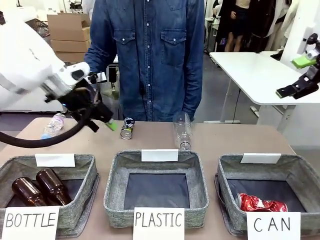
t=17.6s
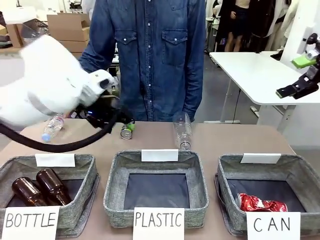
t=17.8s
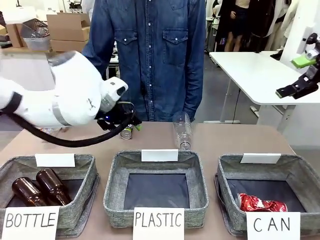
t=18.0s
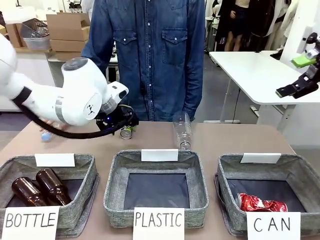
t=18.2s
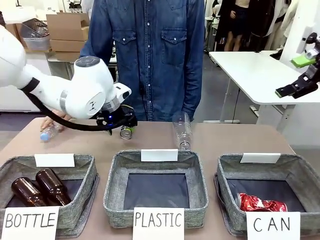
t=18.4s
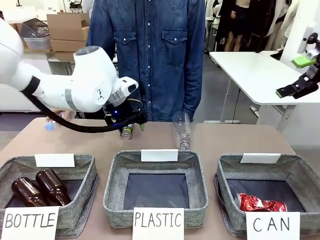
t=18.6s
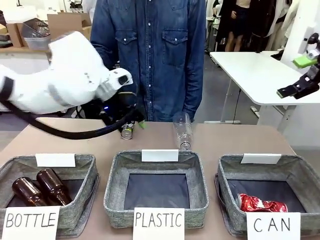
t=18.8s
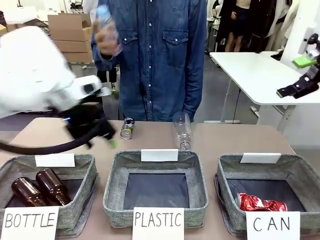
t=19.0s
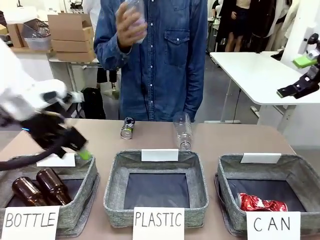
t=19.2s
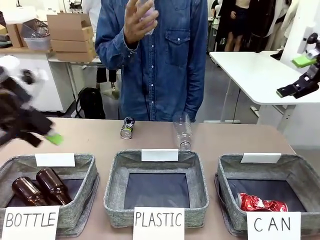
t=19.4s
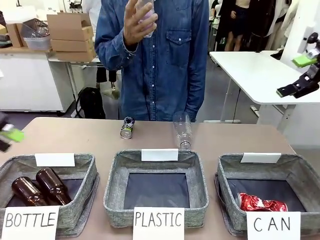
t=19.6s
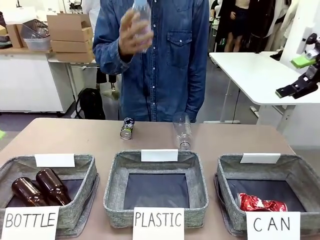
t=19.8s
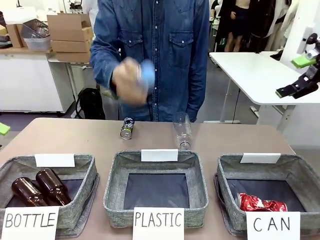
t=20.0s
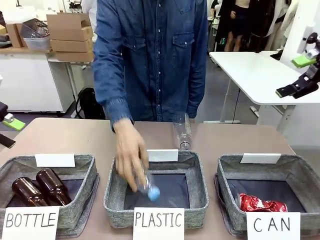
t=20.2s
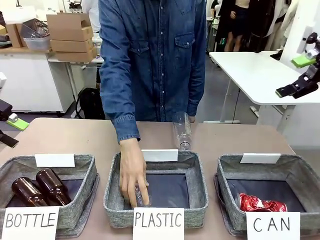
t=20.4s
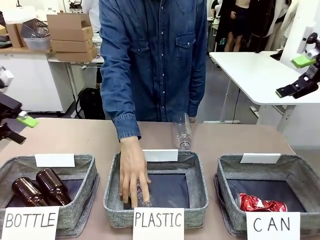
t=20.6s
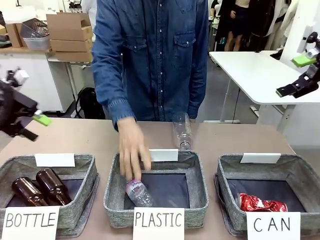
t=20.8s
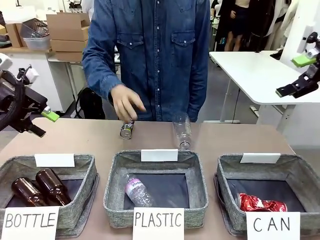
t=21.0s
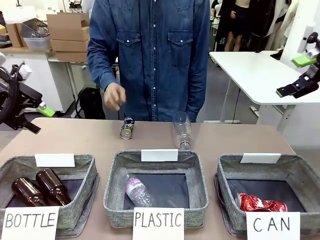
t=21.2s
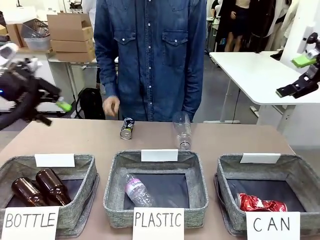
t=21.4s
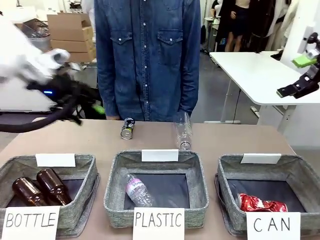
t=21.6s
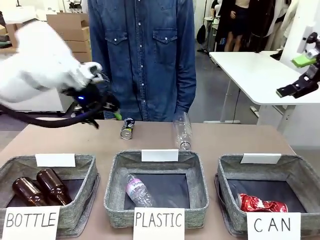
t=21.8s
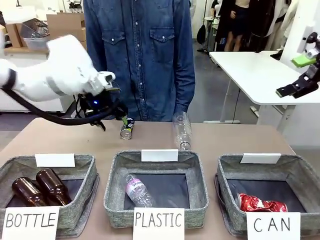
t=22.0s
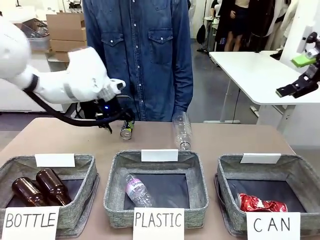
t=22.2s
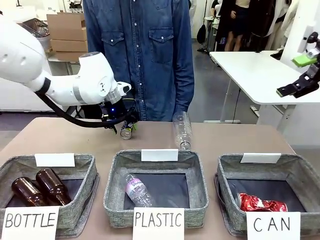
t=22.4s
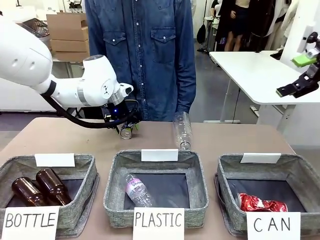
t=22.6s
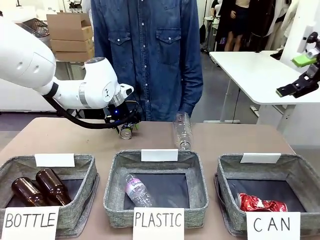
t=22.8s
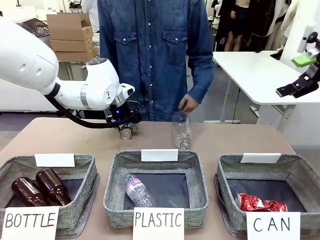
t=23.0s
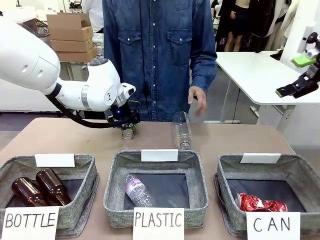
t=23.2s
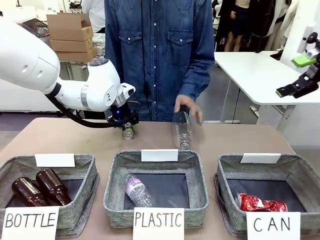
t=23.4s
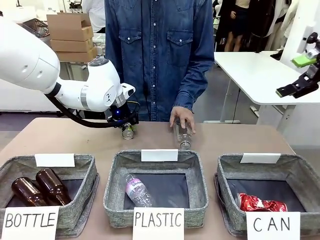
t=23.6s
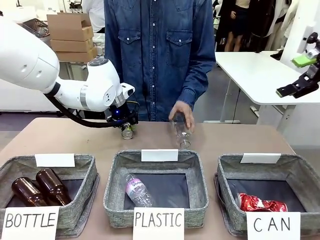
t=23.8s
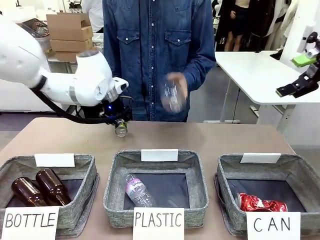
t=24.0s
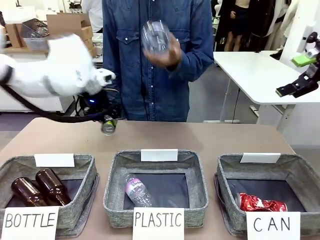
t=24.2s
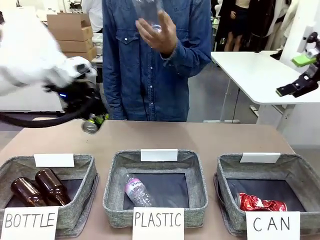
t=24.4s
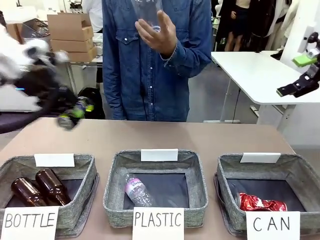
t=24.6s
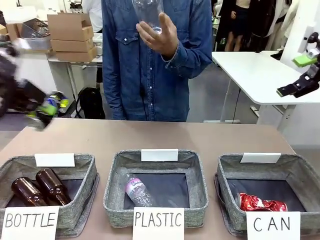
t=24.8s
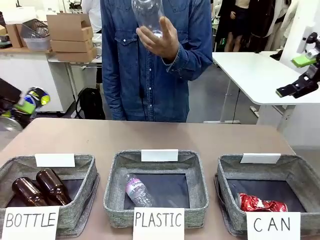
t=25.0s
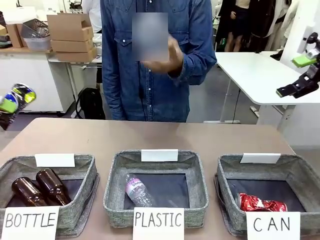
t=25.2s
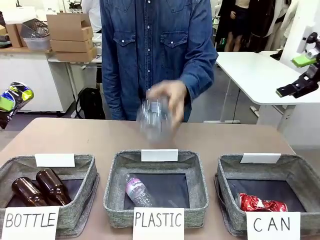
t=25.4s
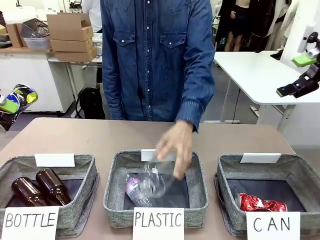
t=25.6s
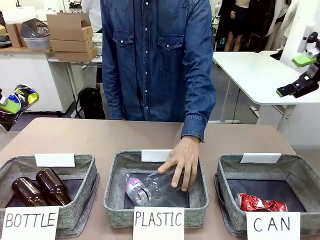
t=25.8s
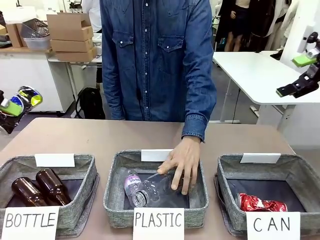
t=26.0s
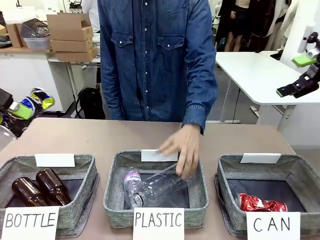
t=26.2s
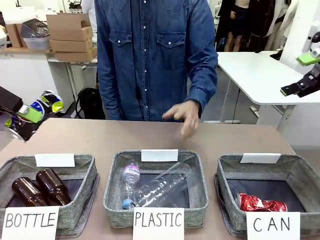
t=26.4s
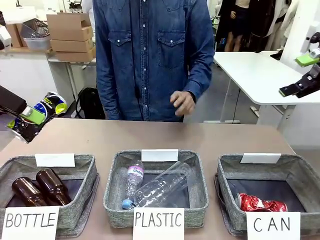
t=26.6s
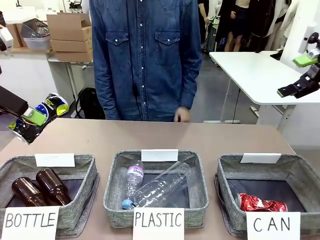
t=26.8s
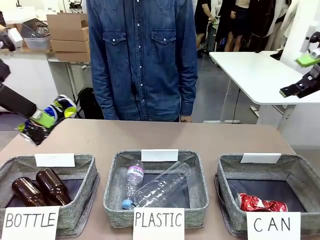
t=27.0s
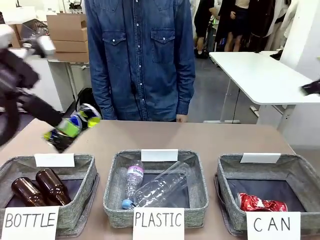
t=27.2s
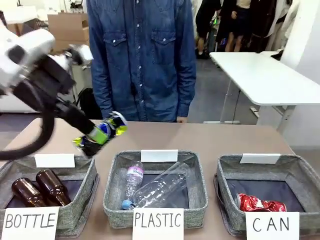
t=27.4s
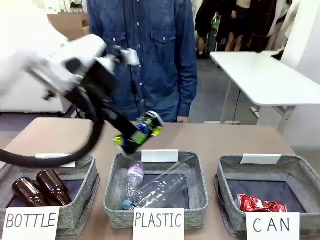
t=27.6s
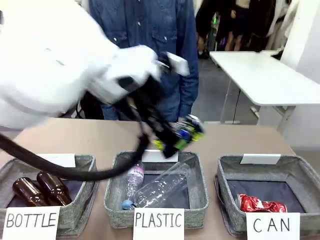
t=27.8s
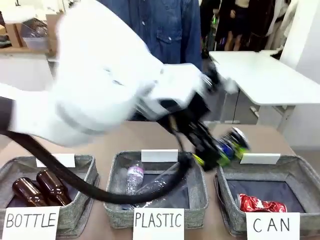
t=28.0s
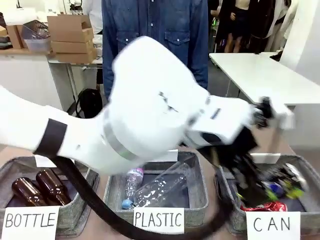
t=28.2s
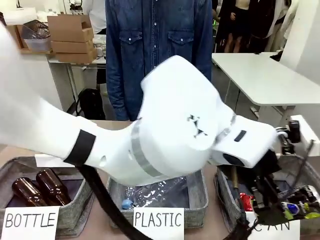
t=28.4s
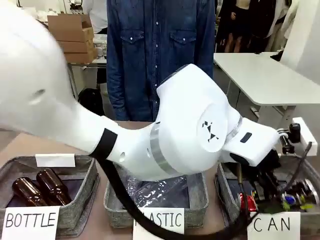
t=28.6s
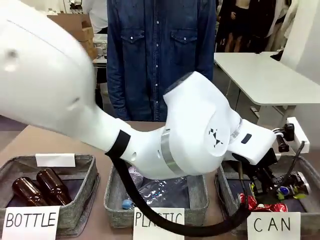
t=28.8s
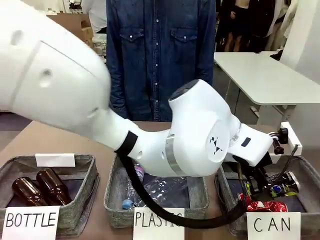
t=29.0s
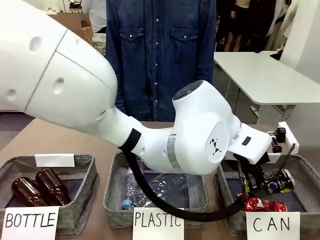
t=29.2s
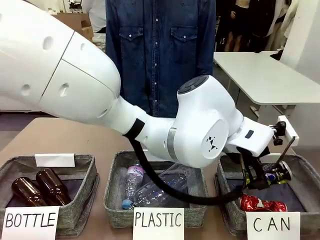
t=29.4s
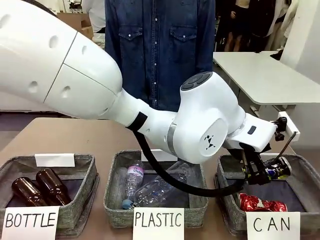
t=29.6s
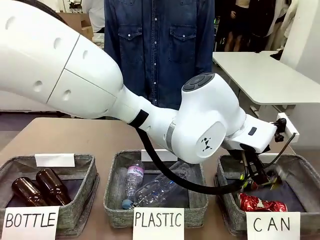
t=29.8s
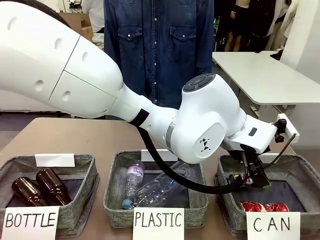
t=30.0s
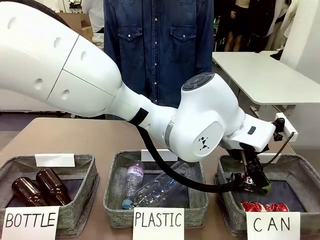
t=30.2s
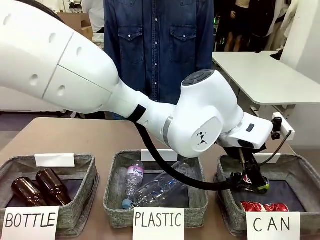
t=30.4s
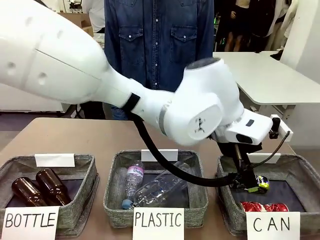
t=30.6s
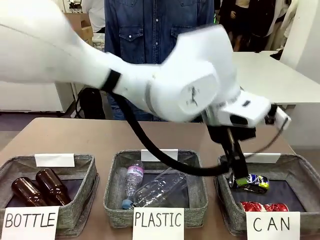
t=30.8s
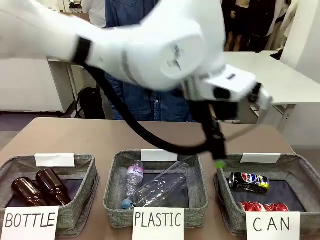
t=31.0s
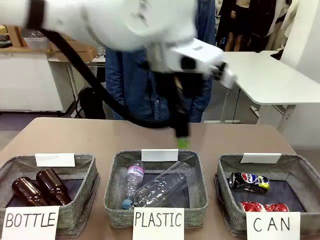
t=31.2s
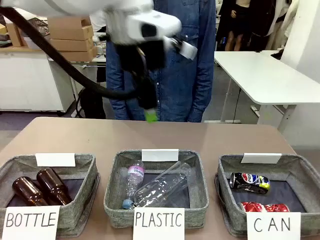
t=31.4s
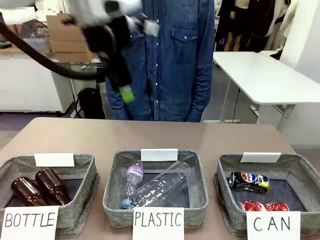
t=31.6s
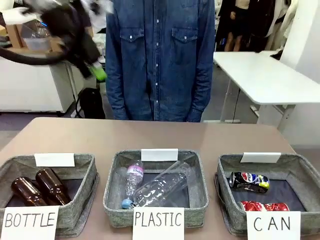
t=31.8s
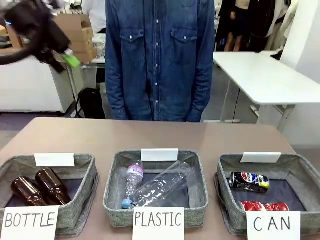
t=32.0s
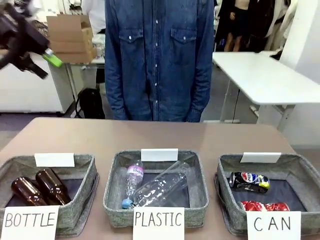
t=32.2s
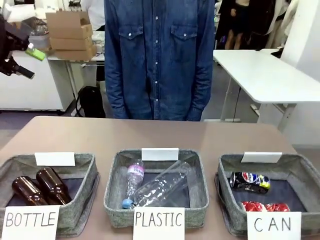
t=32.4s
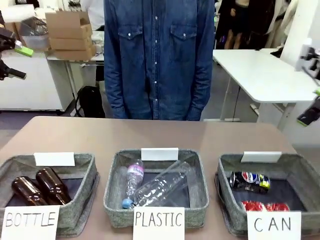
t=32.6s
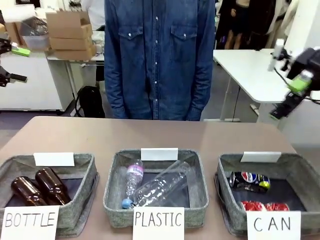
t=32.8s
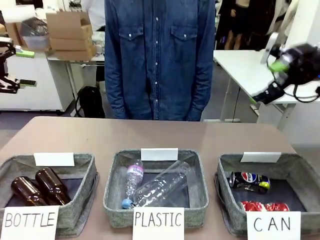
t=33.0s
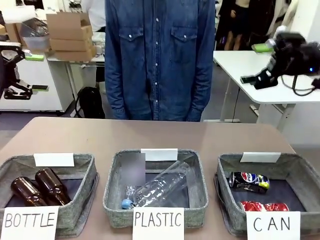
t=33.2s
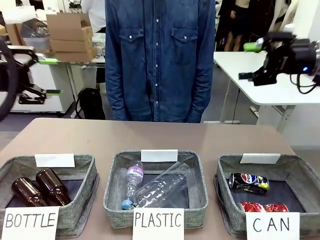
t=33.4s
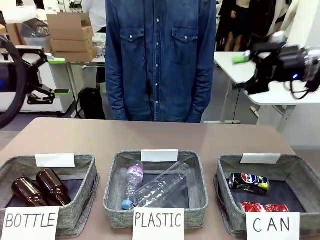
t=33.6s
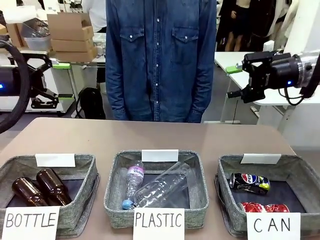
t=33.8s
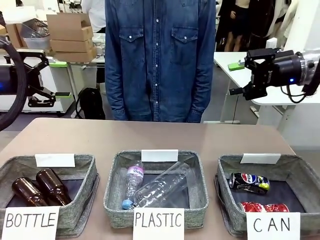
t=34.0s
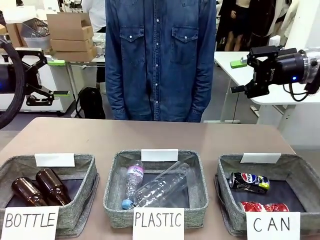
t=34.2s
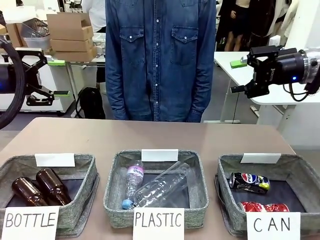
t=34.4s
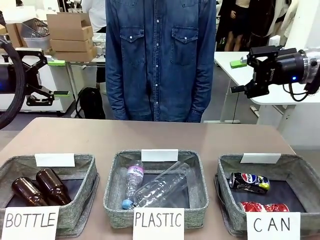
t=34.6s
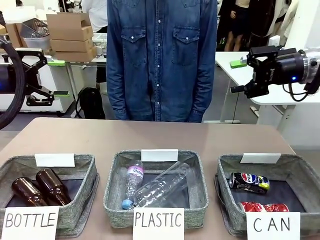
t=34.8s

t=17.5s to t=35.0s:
Task: Sort the can waste into the basket.
Robot: Pick up the can waste from the table and place it in the right Fabric basket.
